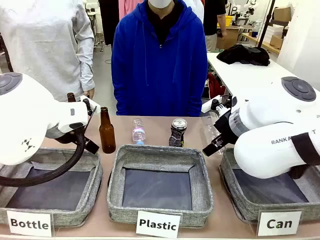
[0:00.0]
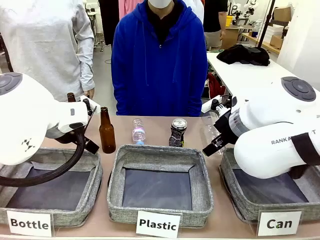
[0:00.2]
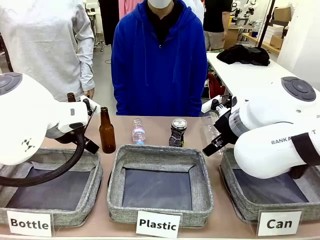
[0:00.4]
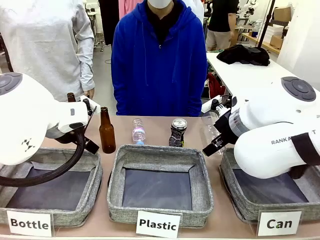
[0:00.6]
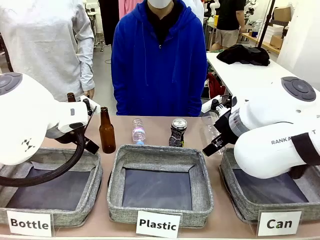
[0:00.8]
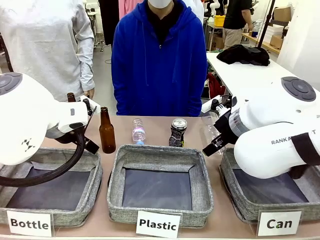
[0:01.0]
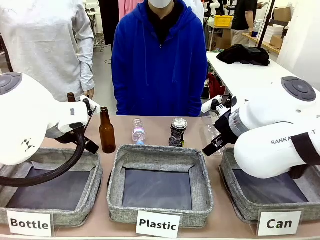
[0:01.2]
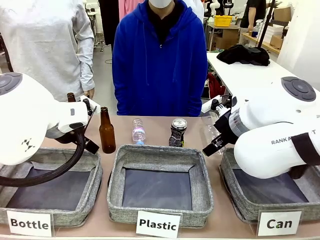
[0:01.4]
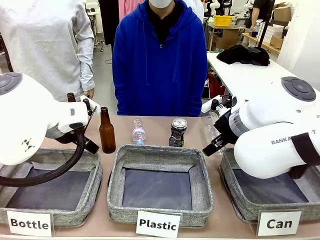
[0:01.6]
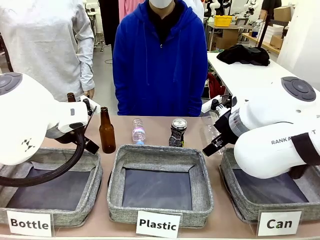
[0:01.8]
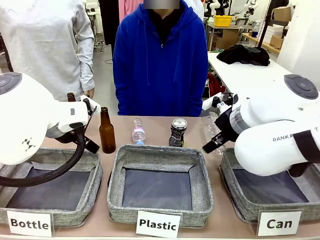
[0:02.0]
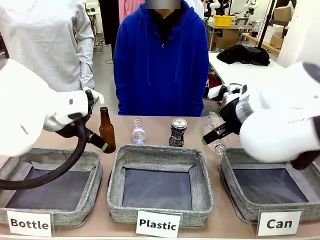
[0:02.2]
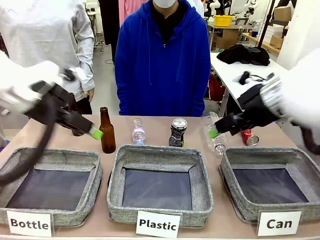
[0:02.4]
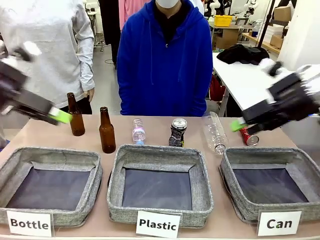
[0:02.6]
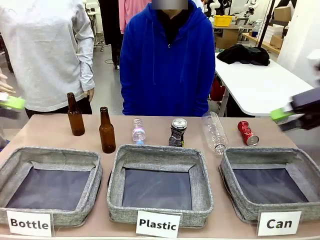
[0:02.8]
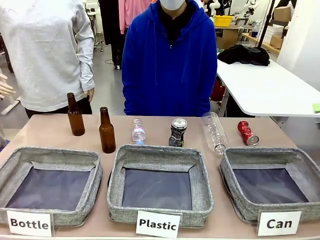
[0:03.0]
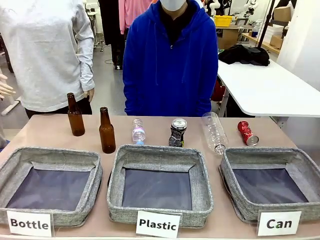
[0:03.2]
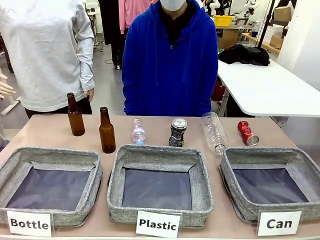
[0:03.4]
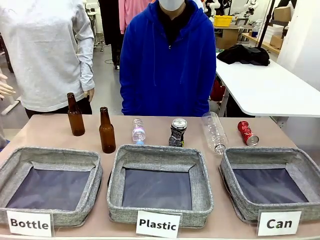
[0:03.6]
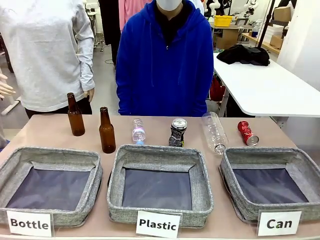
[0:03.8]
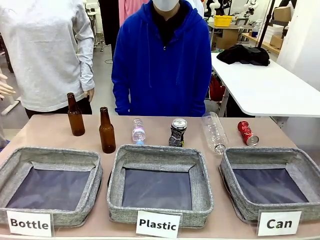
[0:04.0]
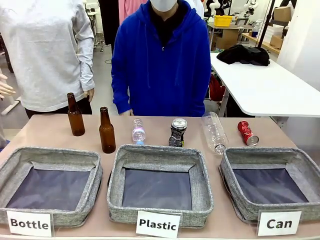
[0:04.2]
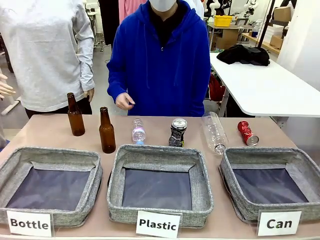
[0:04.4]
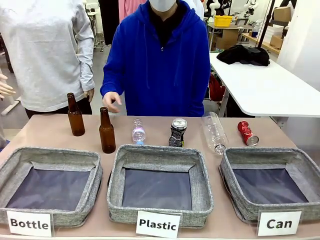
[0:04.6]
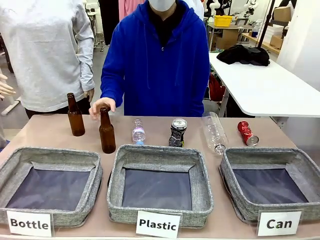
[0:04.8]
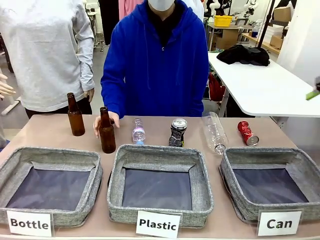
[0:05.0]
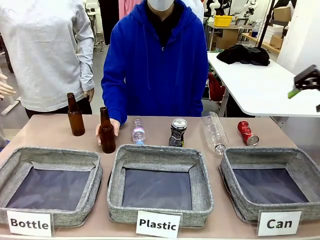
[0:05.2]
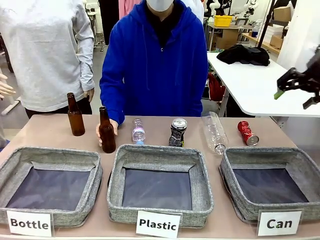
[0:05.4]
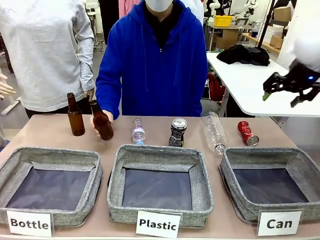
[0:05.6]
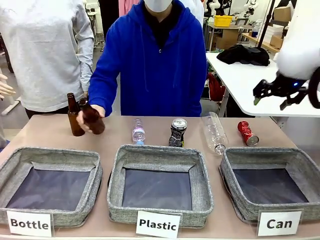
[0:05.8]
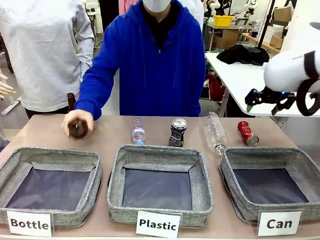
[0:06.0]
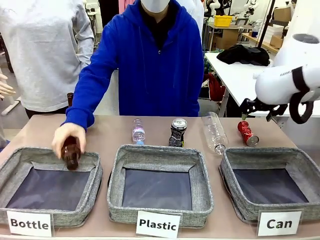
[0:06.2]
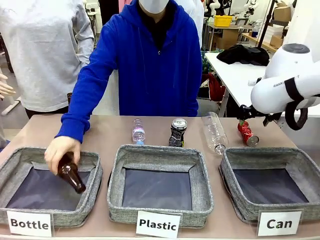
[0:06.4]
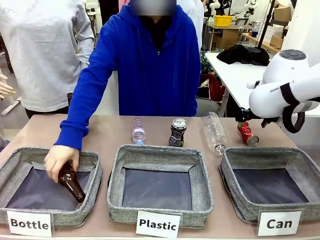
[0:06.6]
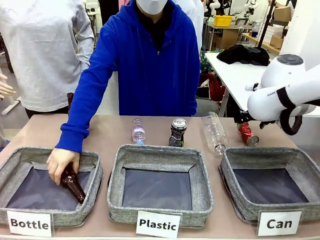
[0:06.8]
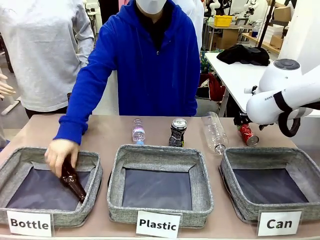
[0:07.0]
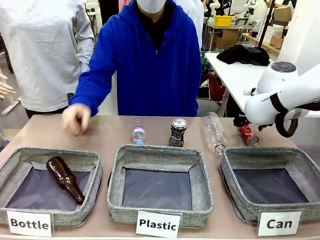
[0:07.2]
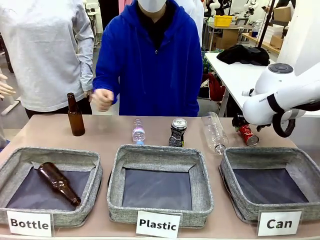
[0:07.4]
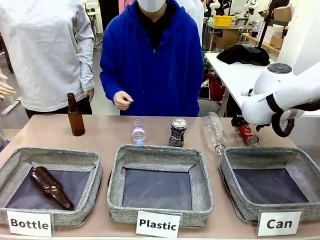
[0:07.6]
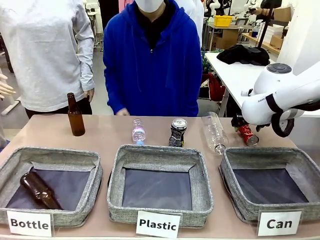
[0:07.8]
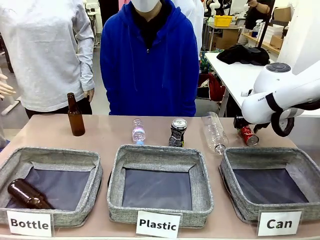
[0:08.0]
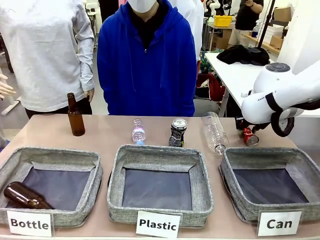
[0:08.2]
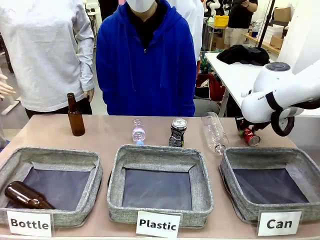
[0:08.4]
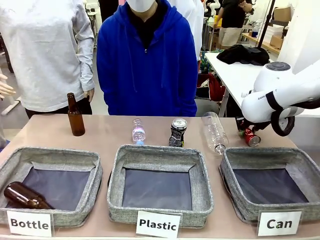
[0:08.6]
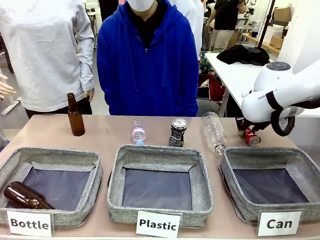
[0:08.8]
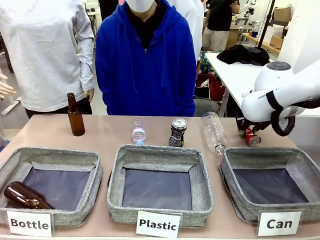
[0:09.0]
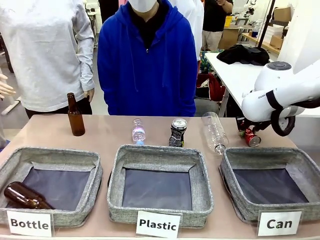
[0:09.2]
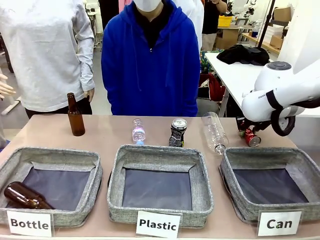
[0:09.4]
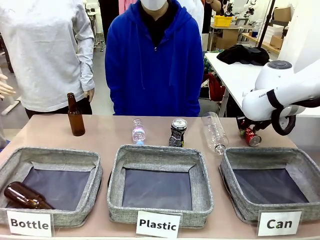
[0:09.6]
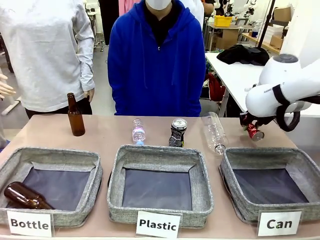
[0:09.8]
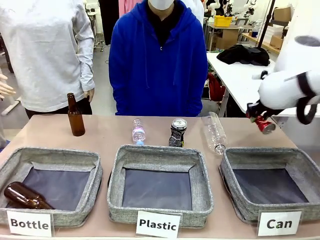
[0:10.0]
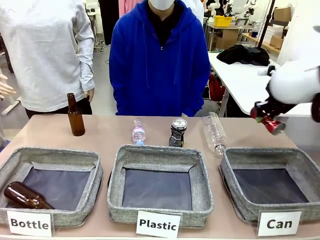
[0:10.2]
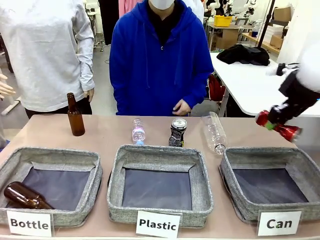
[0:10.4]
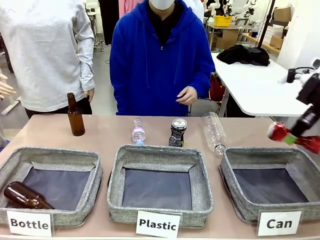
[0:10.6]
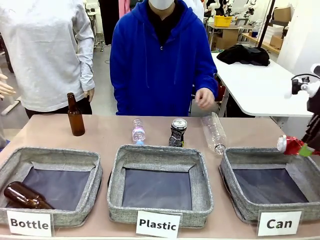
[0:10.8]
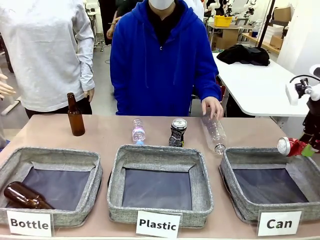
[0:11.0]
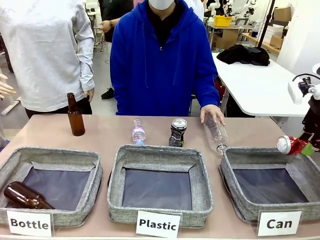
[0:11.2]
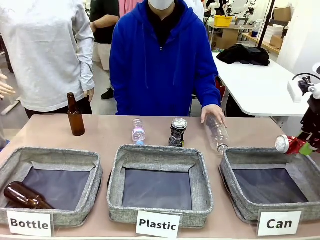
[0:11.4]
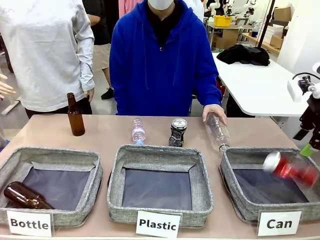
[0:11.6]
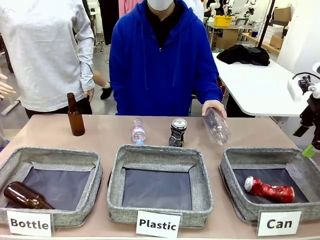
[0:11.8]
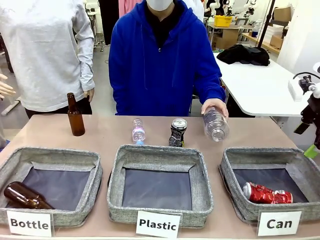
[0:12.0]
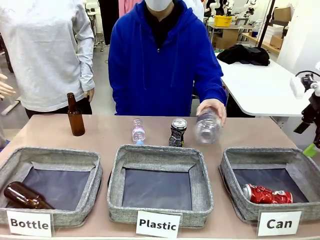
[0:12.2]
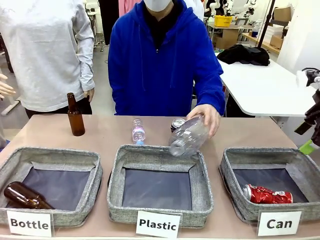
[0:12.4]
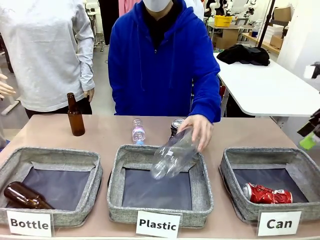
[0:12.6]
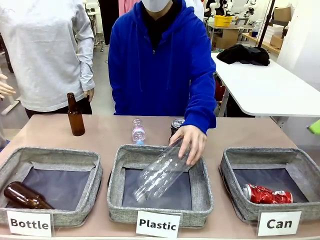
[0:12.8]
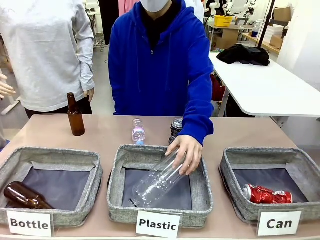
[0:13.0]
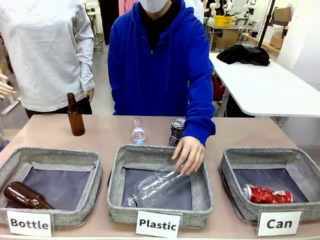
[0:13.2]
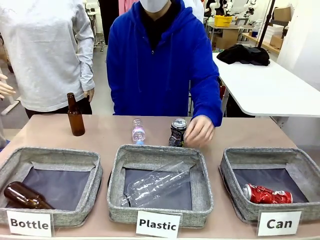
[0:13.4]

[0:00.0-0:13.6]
Task: Sort the can waste into the basket.
Robot: Pick up the can waste from the table and place it in the right Fabric basket.
